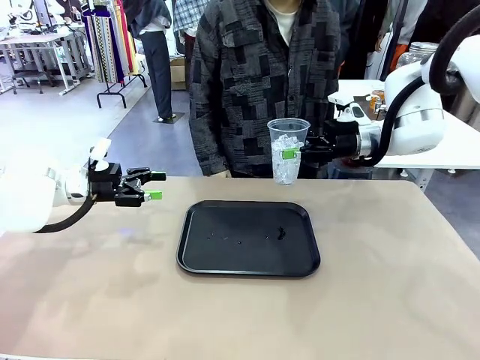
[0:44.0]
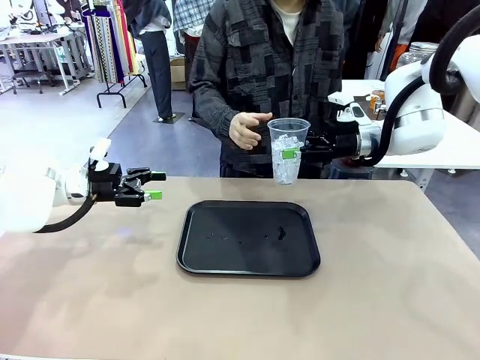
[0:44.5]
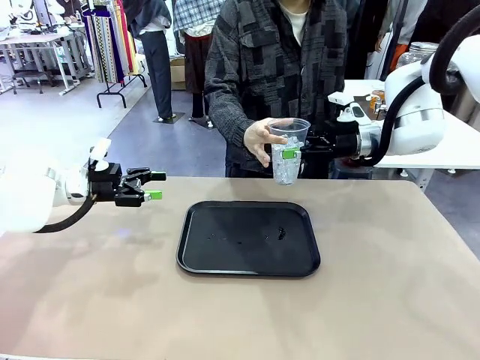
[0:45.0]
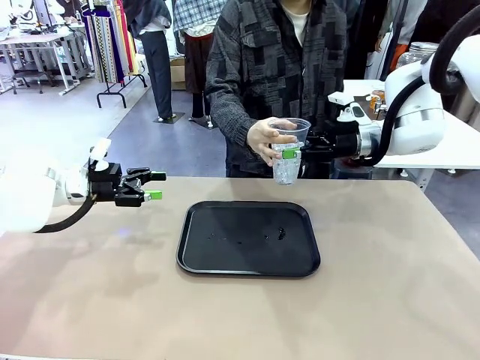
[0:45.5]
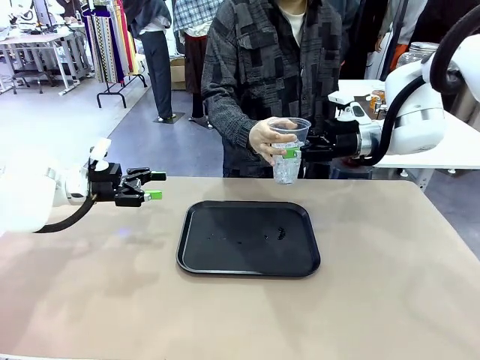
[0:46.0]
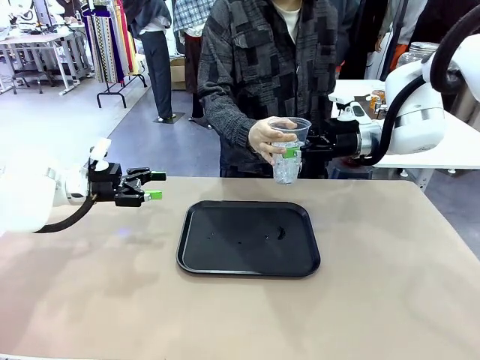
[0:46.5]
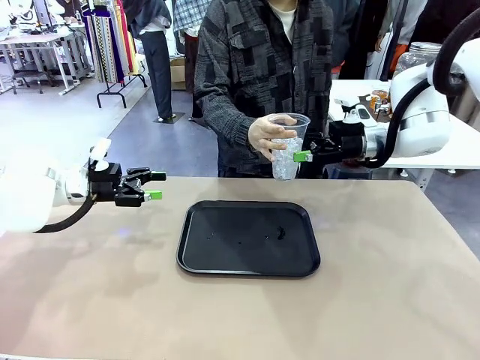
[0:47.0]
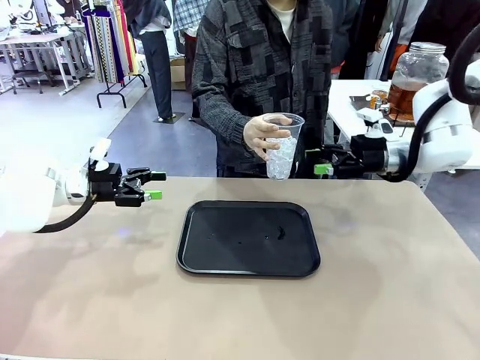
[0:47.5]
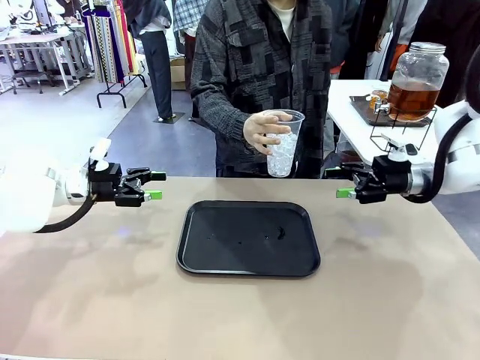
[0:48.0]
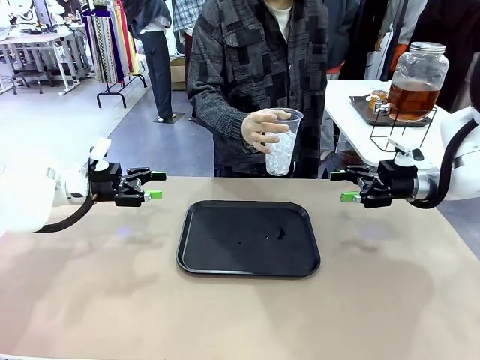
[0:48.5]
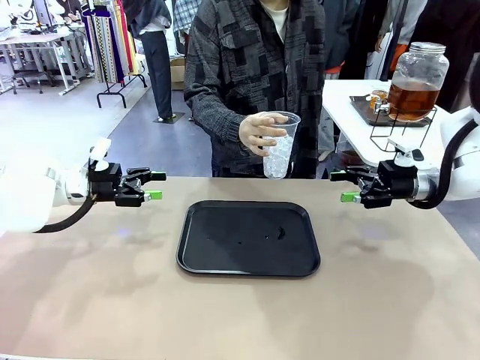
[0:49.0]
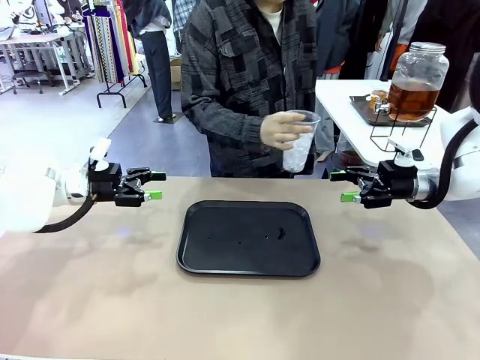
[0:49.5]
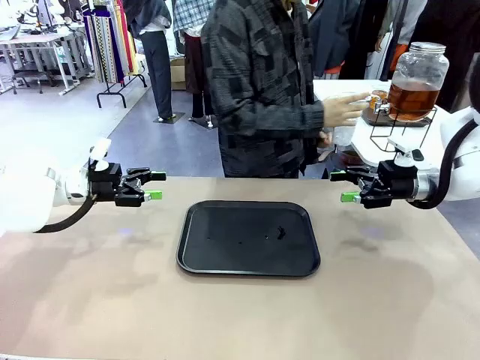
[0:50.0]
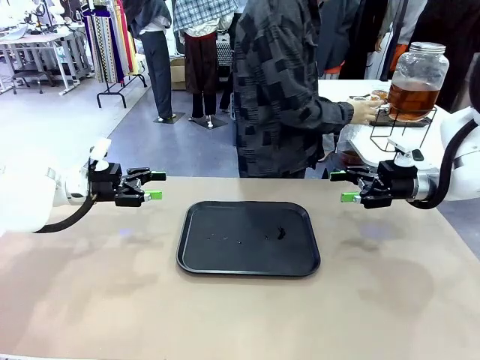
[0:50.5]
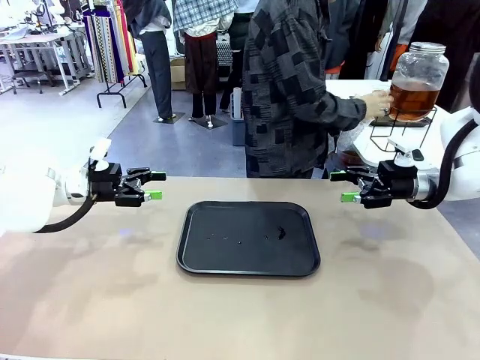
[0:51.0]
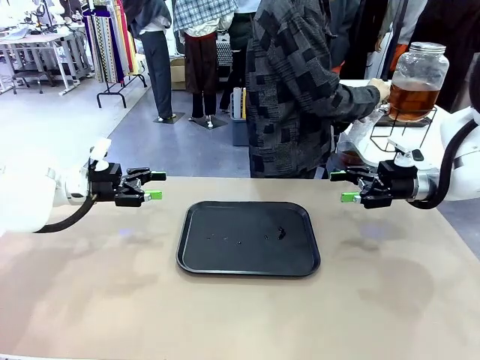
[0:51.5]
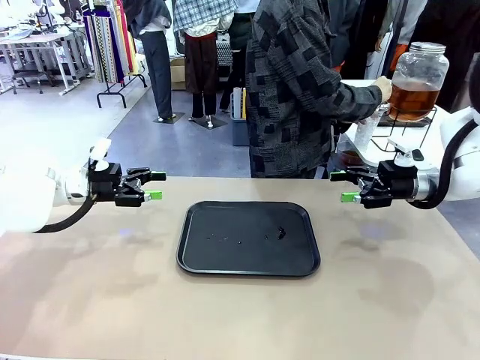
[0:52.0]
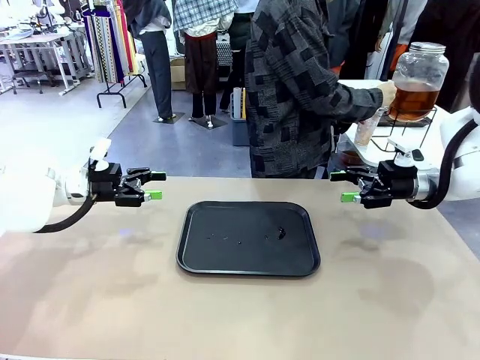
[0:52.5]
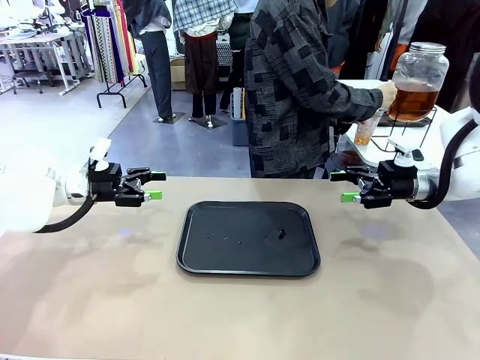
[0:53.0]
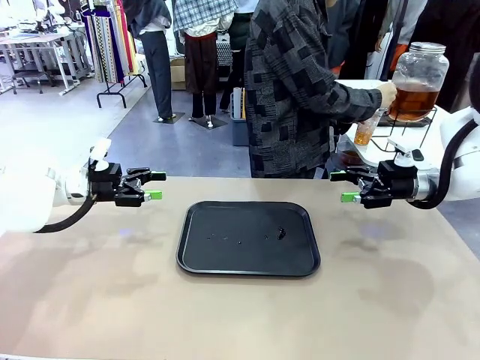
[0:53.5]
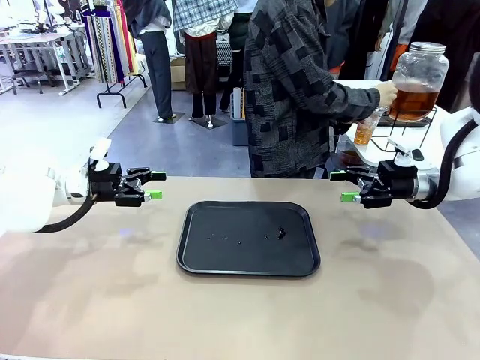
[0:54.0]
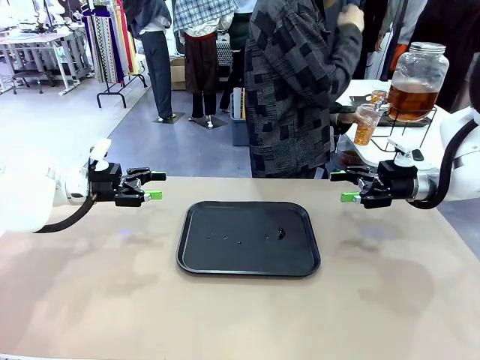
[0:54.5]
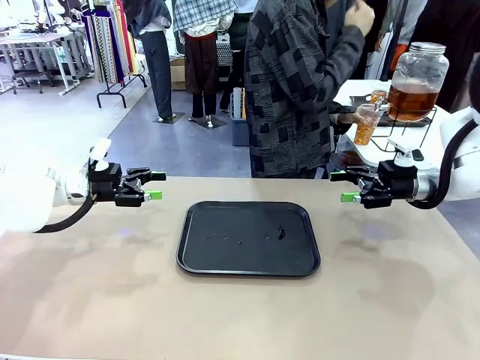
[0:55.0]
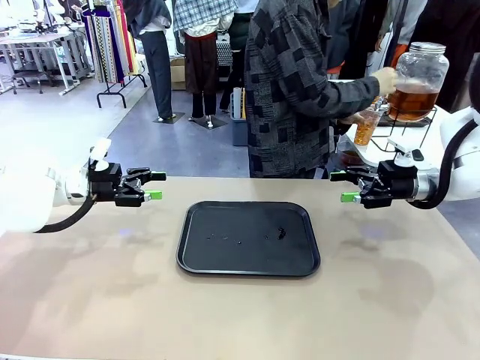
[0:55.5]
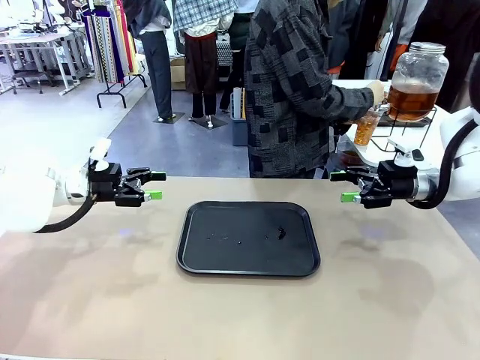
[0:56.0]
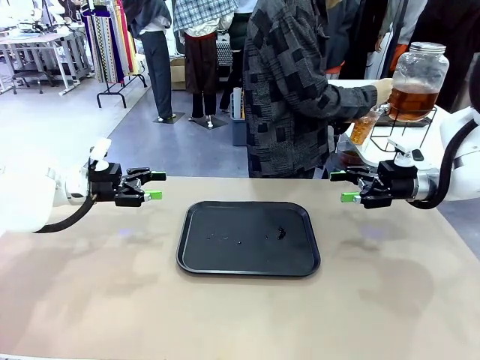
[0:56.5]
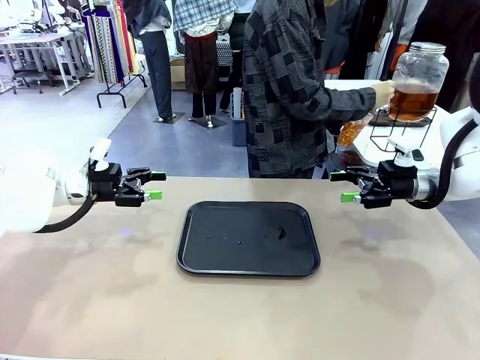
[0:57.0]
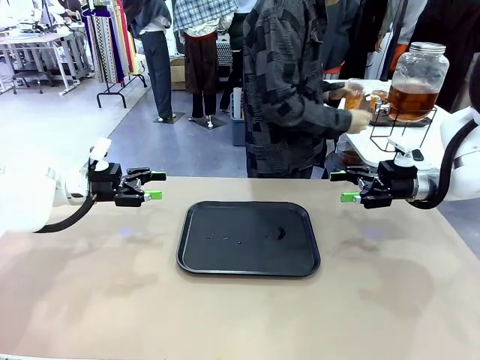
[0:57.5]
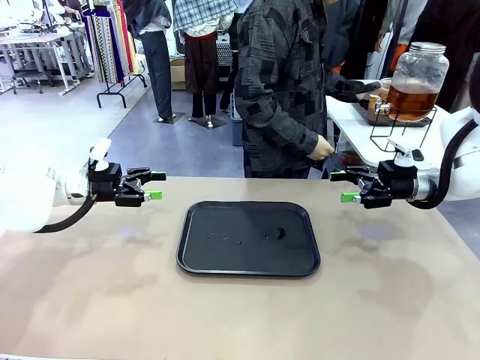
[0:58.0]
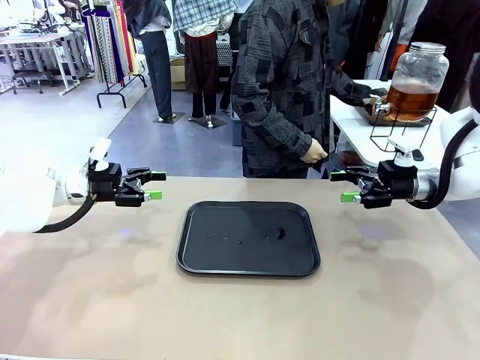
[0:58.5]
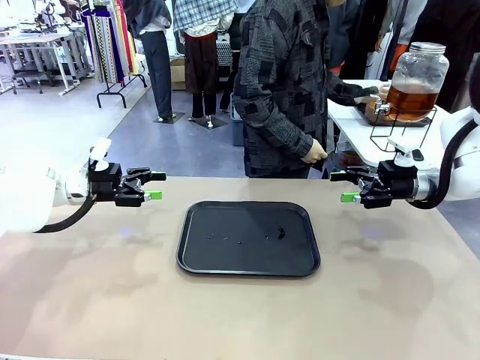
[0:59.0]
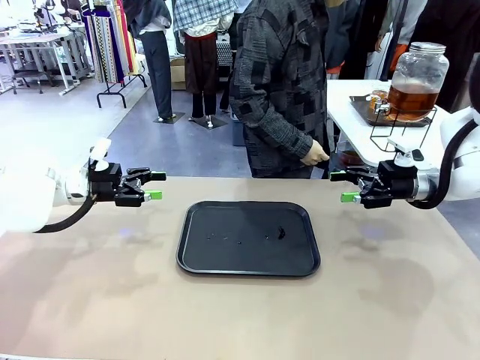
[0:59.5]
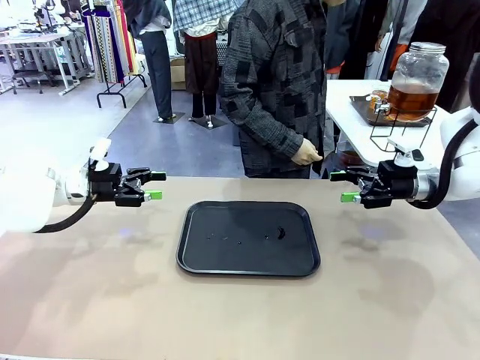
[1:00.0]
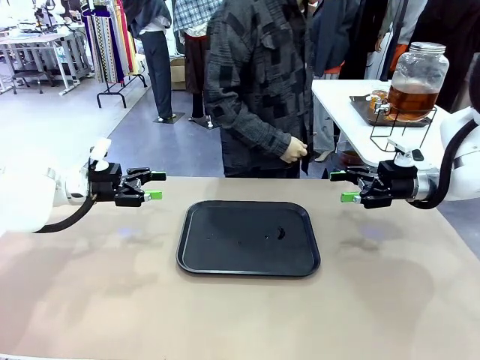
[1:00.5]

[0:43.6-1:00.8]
Task: Pour the drink into the iced cup.
Robot: Open the gripper to release the iced cup you were holding.
Person: Move the picked-up cup under the dispenser faucet, pour the drink, and place it on the tray on the human table.

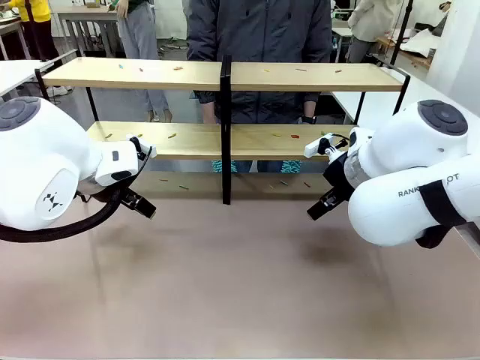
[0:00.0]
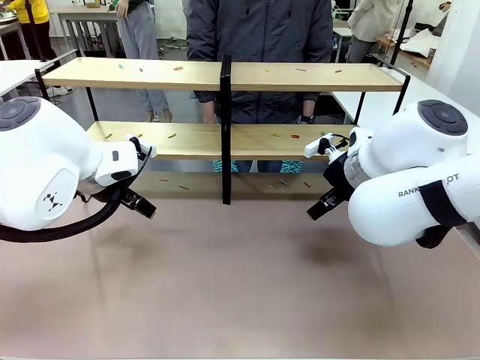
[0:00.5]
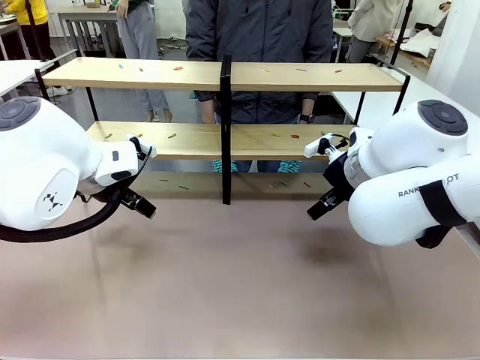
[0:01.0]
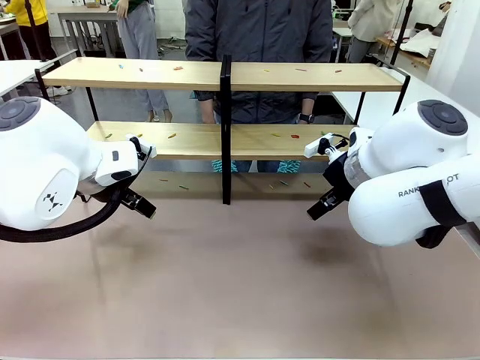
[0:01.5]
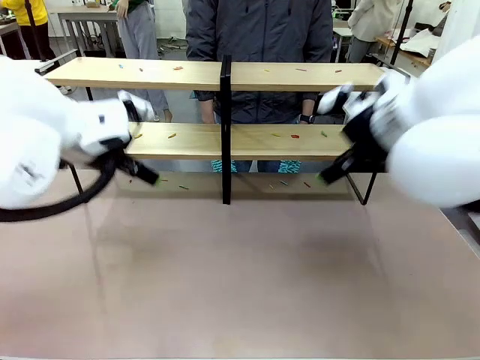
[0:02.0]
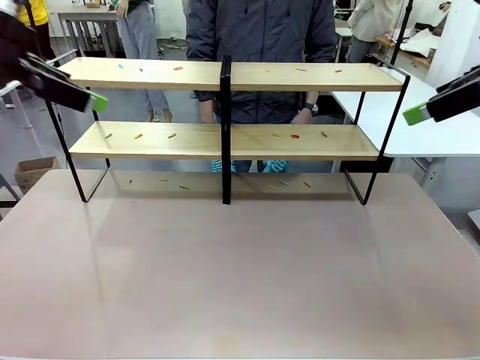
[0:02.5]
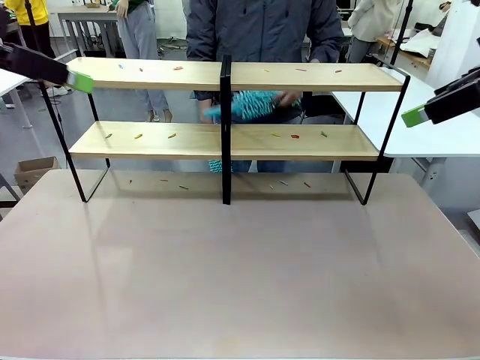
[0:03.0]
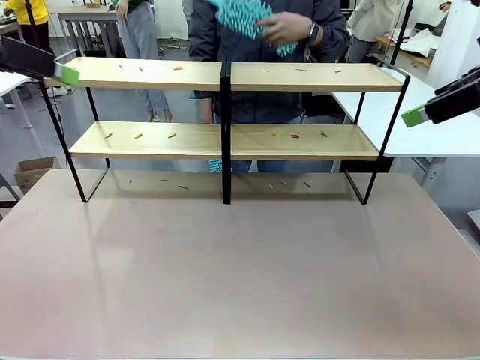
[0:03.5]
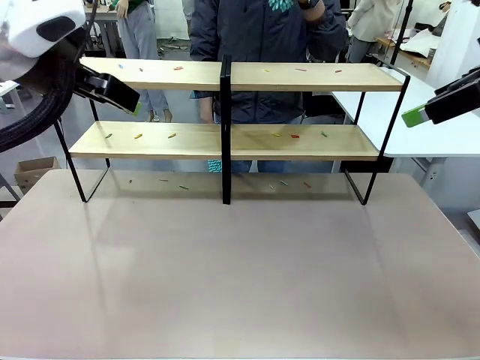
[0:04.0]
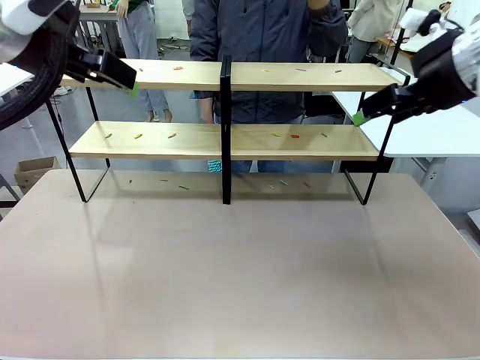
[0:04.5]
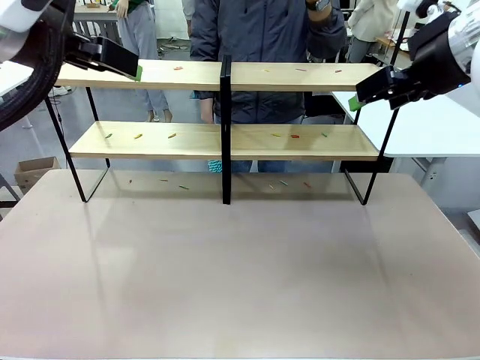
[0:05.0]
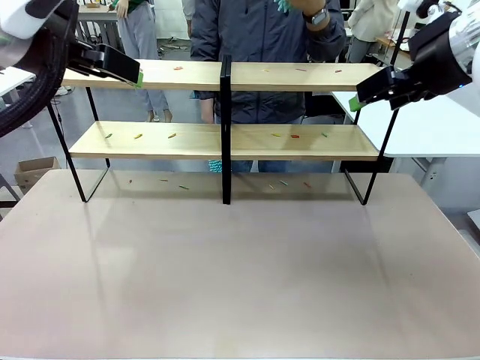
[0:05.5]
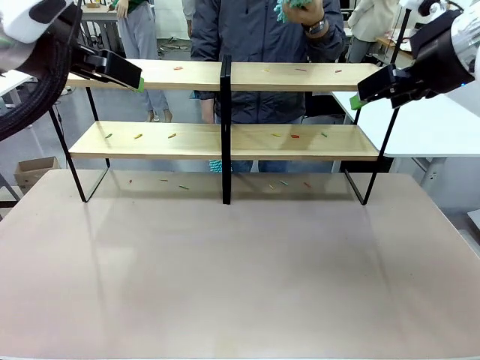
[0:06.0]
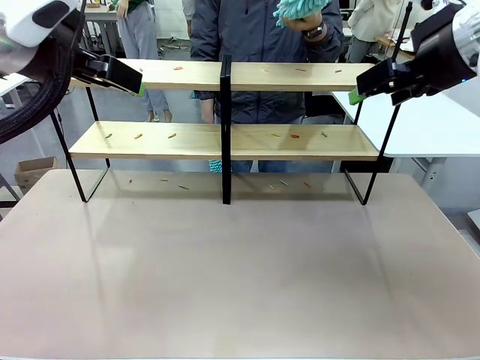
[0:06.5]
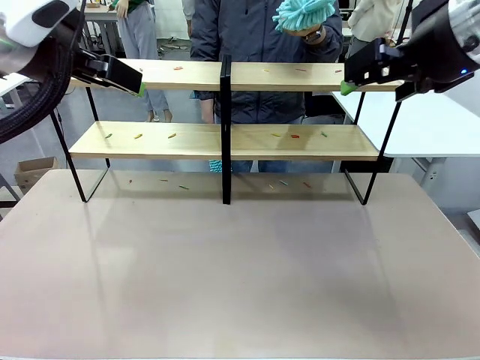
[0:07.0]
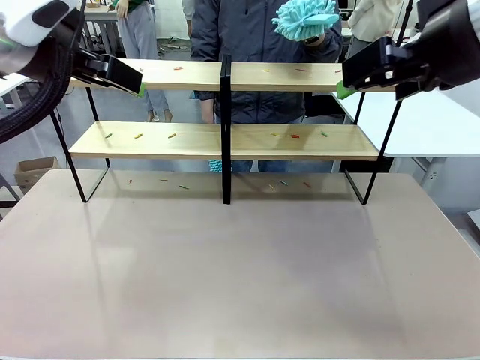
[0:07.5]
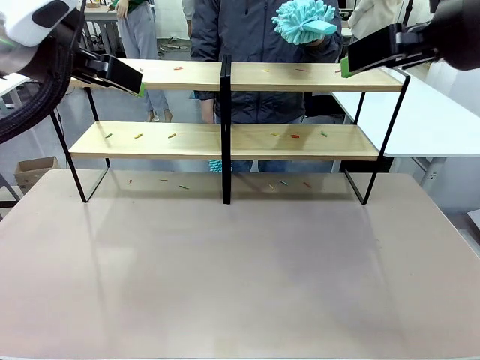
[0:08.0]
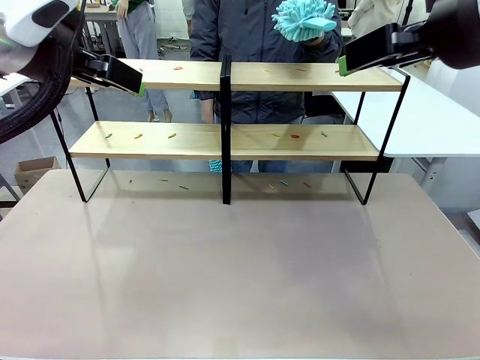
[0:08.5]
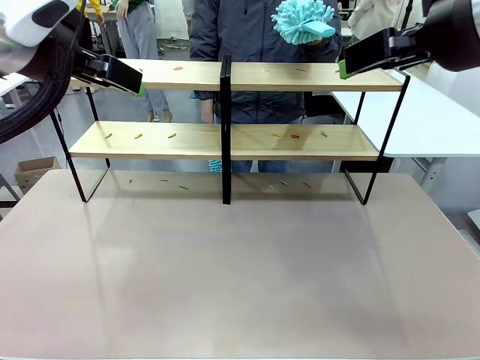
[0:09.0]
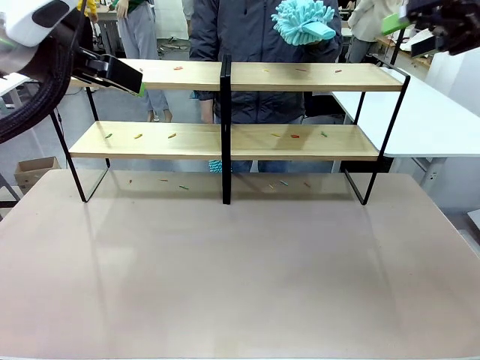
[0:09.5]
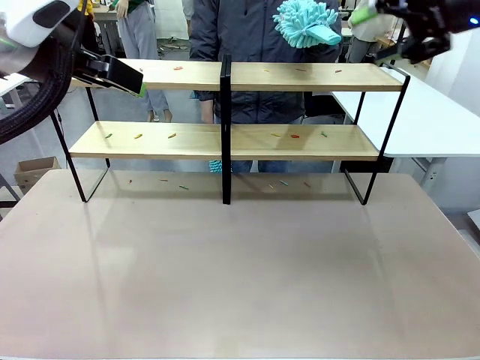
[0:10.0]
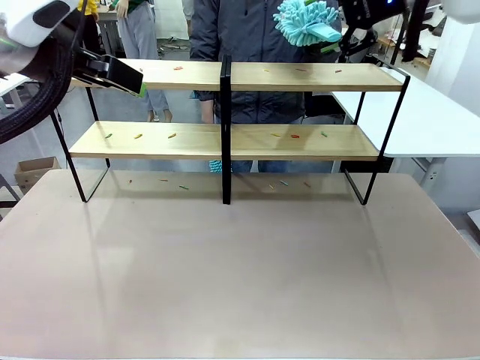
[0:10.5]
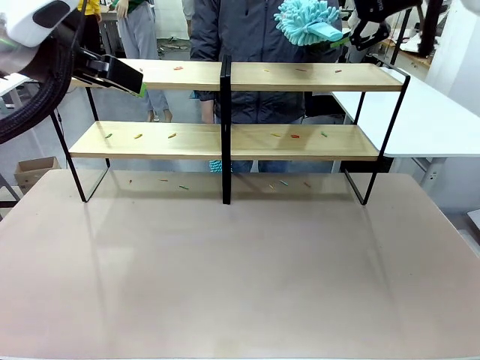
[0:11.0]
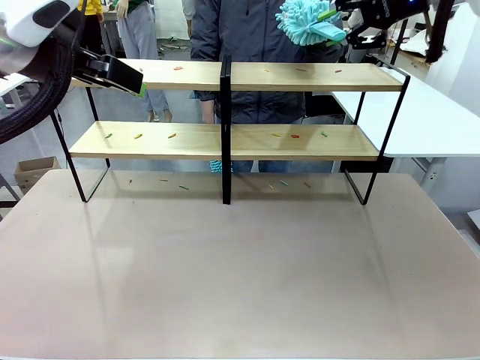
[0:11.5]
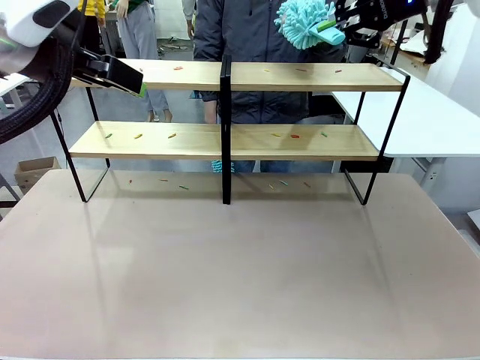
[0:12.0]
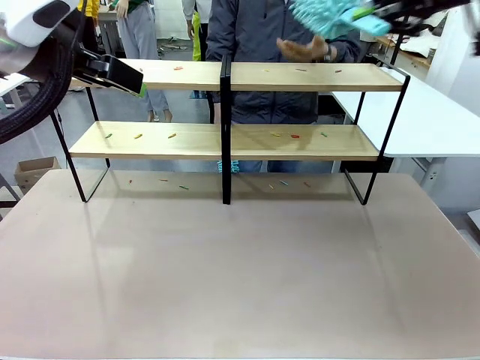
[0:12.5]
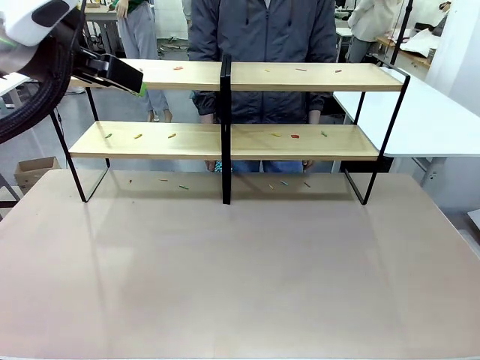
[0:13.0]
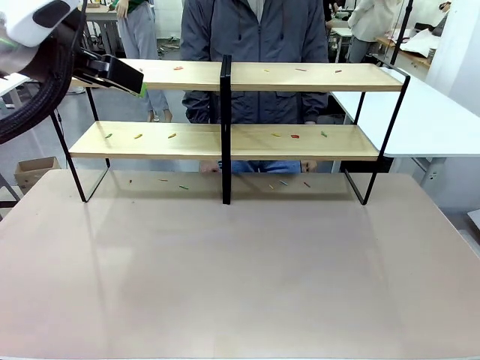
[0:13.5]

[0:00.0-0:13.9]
Task: Clean the shelves.
Robot: Pick up the Duster when the human hands it over.
Person: Hand the Duster to the robot with your right (or left) hand.
